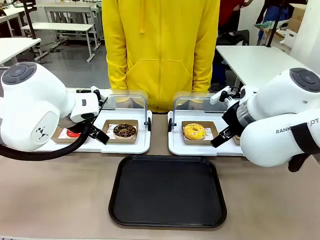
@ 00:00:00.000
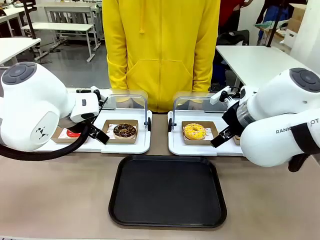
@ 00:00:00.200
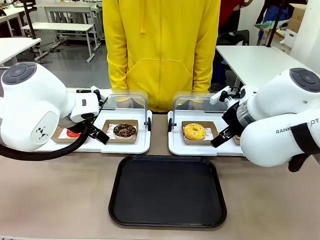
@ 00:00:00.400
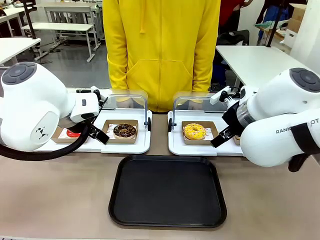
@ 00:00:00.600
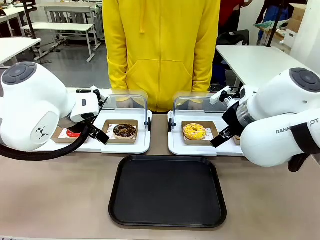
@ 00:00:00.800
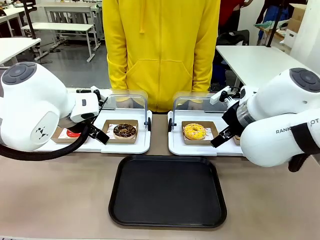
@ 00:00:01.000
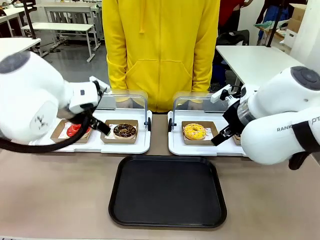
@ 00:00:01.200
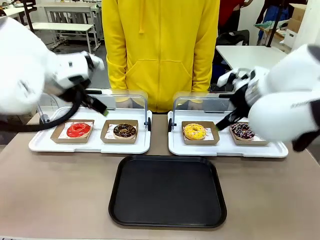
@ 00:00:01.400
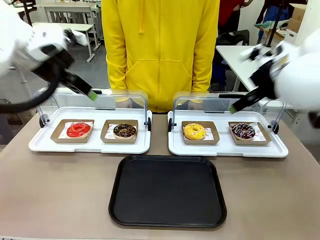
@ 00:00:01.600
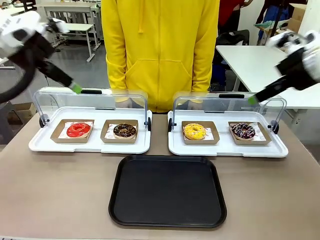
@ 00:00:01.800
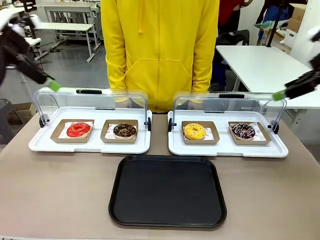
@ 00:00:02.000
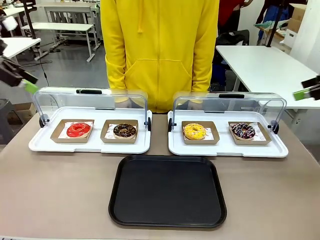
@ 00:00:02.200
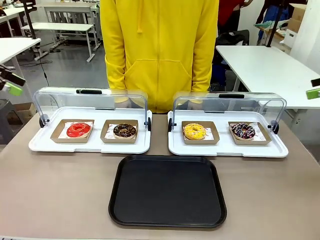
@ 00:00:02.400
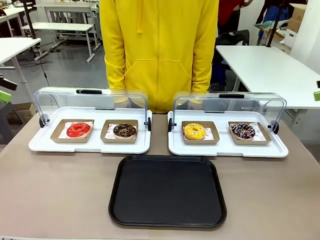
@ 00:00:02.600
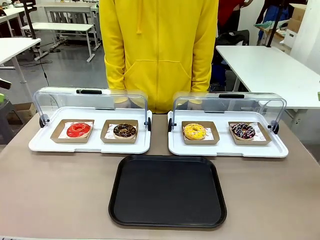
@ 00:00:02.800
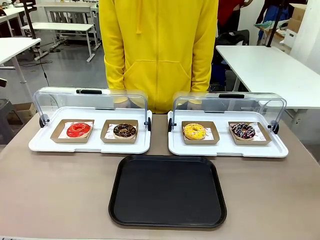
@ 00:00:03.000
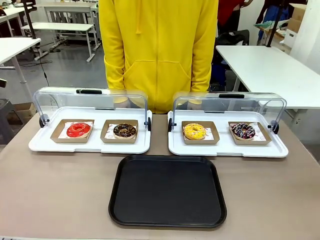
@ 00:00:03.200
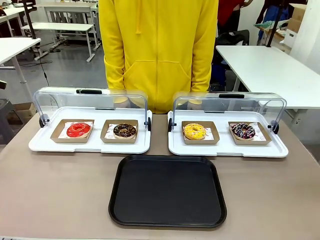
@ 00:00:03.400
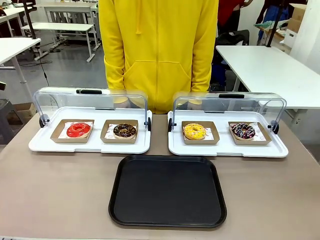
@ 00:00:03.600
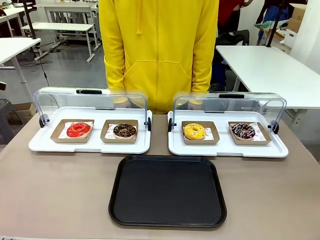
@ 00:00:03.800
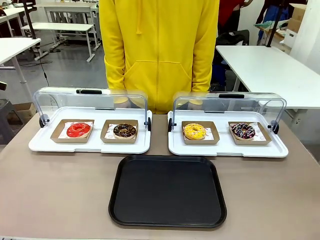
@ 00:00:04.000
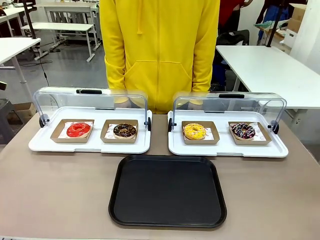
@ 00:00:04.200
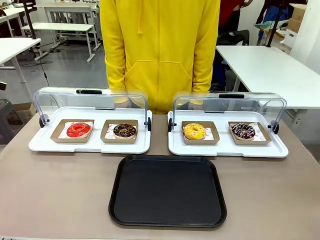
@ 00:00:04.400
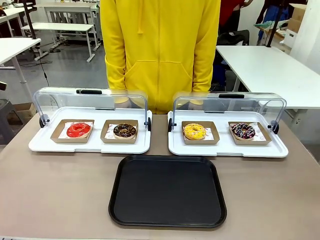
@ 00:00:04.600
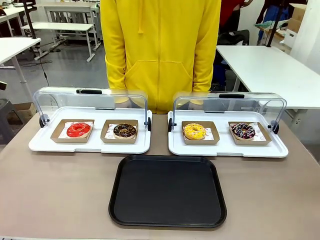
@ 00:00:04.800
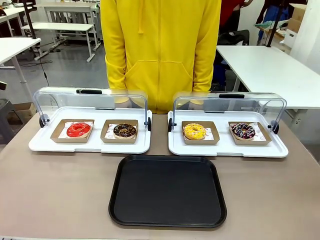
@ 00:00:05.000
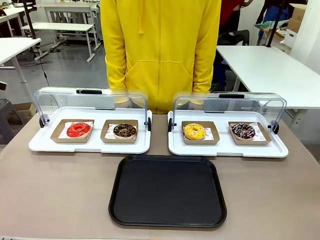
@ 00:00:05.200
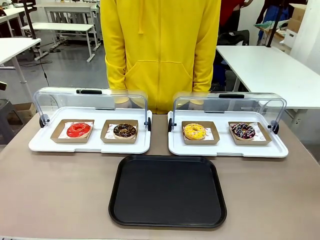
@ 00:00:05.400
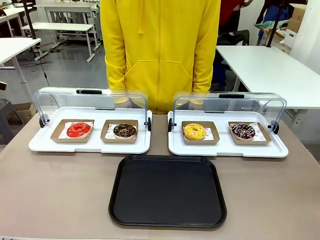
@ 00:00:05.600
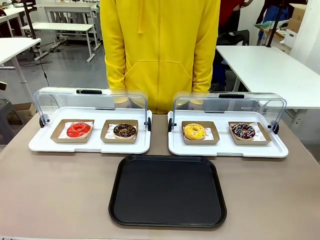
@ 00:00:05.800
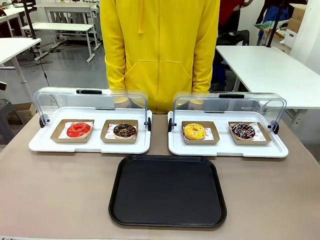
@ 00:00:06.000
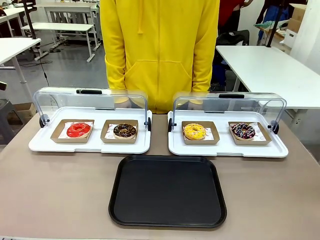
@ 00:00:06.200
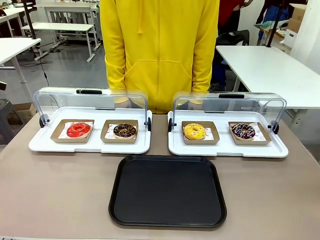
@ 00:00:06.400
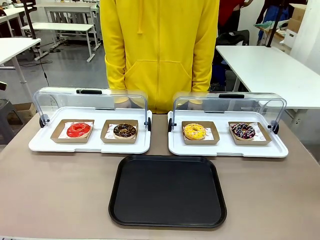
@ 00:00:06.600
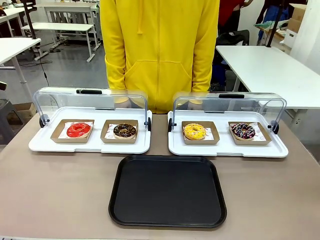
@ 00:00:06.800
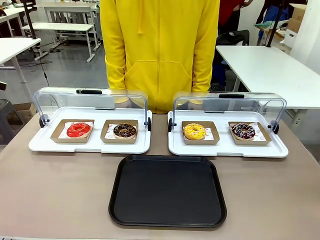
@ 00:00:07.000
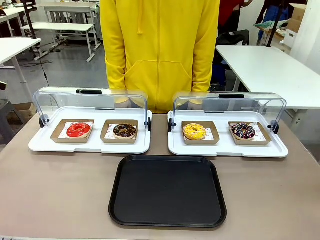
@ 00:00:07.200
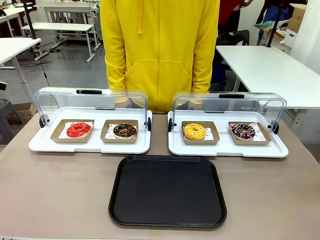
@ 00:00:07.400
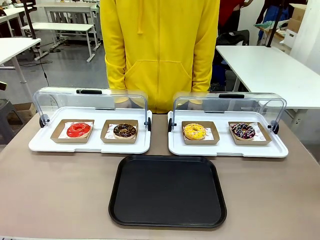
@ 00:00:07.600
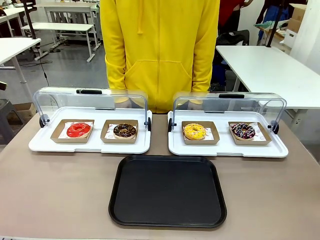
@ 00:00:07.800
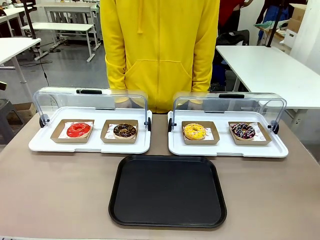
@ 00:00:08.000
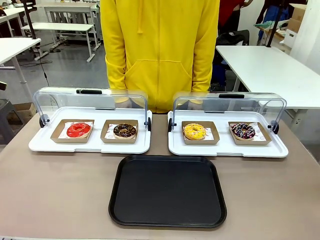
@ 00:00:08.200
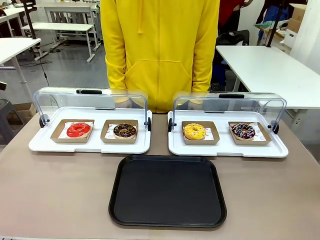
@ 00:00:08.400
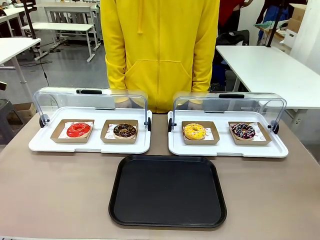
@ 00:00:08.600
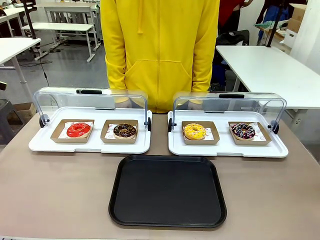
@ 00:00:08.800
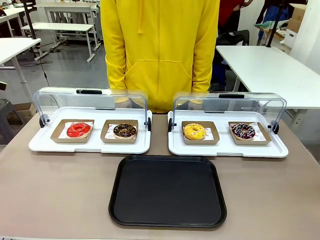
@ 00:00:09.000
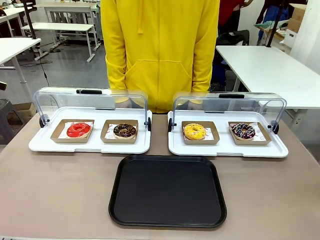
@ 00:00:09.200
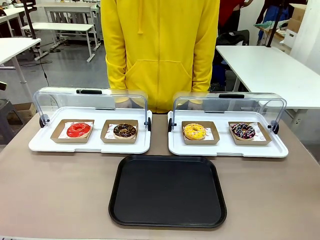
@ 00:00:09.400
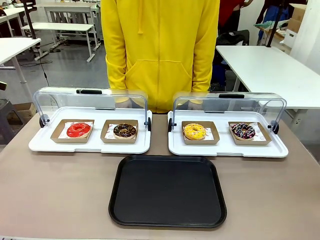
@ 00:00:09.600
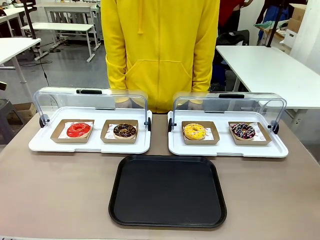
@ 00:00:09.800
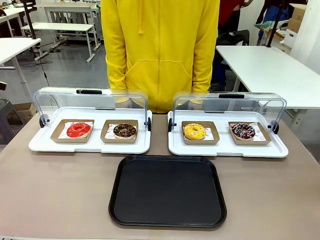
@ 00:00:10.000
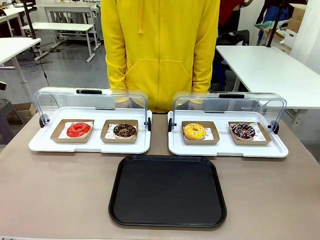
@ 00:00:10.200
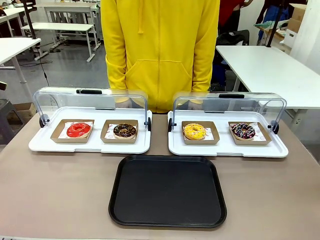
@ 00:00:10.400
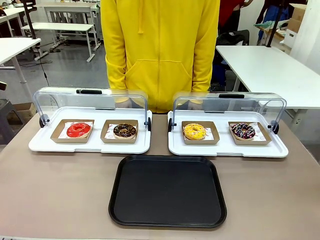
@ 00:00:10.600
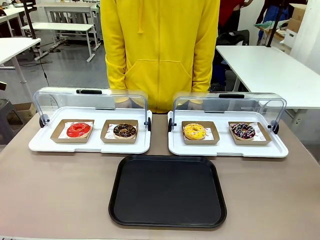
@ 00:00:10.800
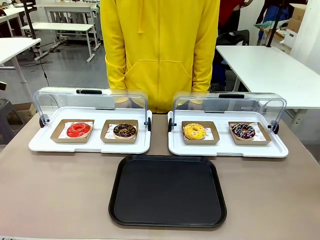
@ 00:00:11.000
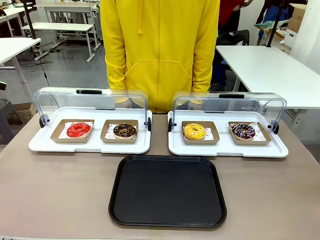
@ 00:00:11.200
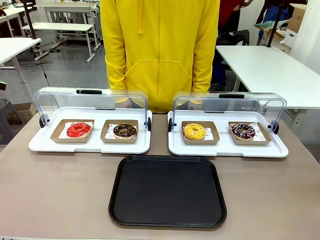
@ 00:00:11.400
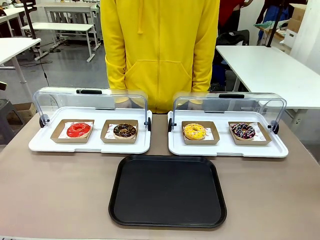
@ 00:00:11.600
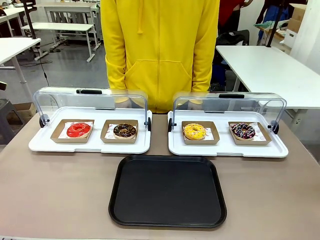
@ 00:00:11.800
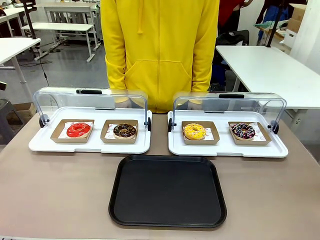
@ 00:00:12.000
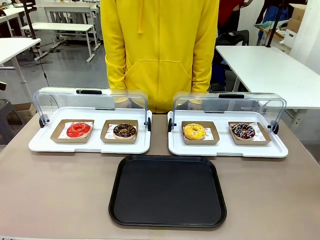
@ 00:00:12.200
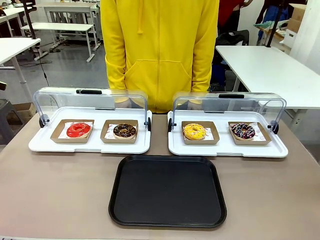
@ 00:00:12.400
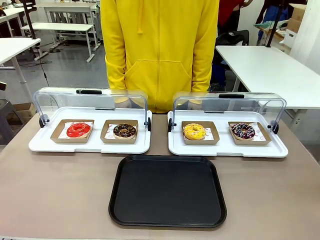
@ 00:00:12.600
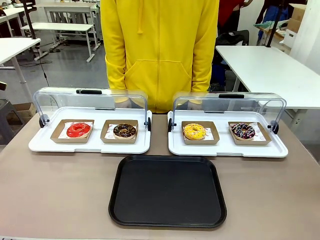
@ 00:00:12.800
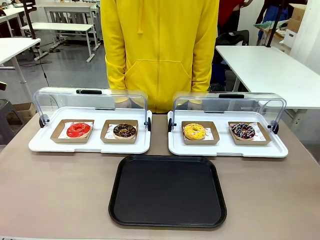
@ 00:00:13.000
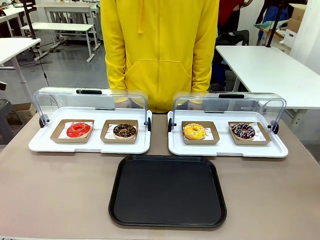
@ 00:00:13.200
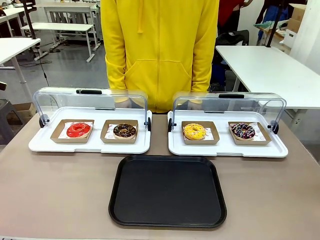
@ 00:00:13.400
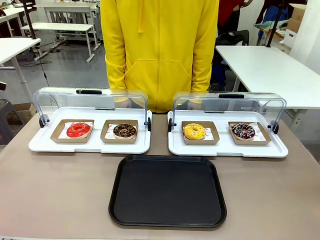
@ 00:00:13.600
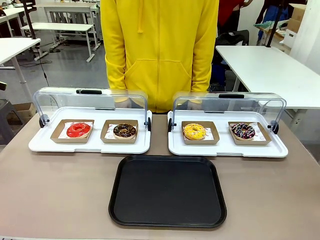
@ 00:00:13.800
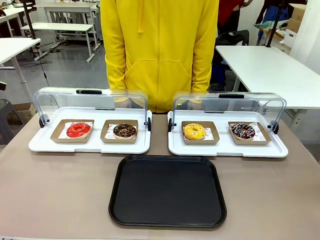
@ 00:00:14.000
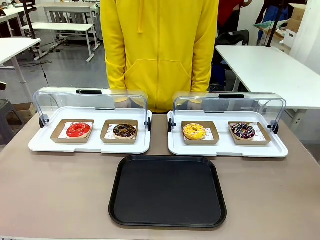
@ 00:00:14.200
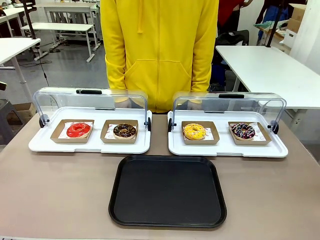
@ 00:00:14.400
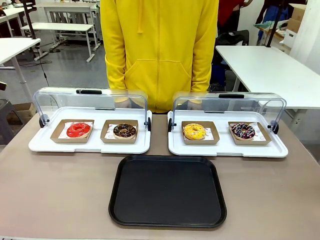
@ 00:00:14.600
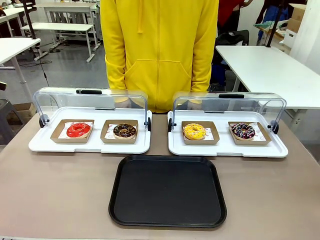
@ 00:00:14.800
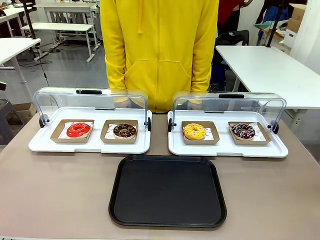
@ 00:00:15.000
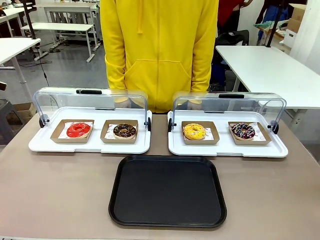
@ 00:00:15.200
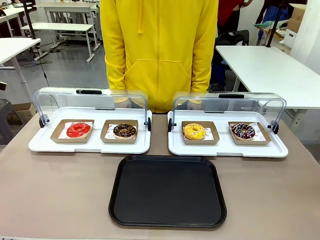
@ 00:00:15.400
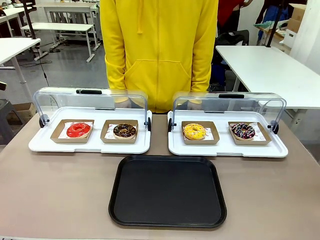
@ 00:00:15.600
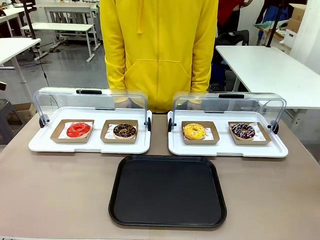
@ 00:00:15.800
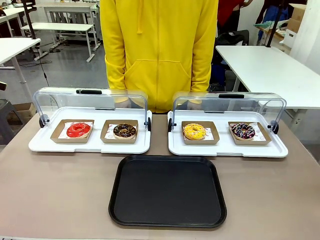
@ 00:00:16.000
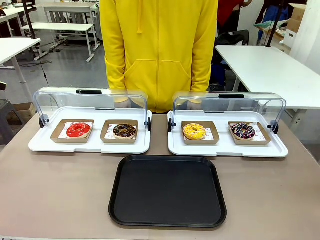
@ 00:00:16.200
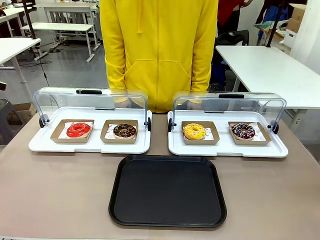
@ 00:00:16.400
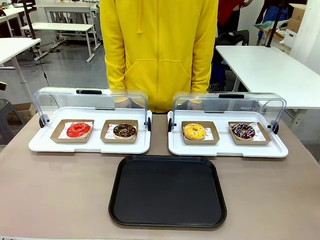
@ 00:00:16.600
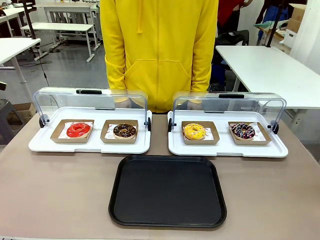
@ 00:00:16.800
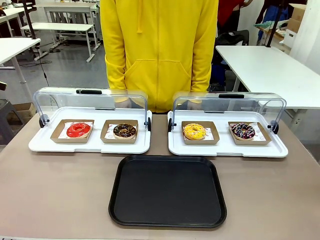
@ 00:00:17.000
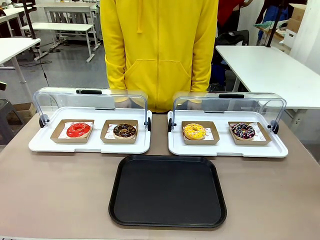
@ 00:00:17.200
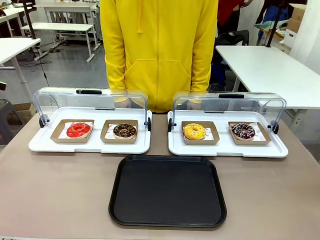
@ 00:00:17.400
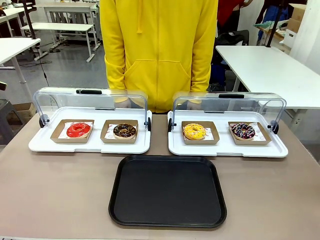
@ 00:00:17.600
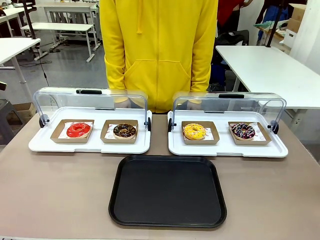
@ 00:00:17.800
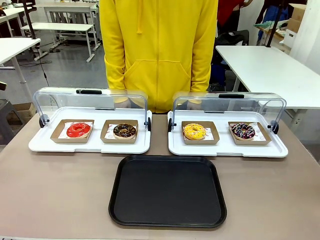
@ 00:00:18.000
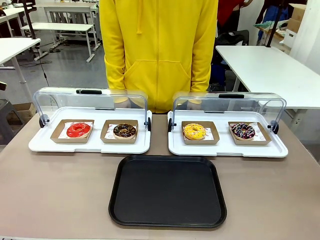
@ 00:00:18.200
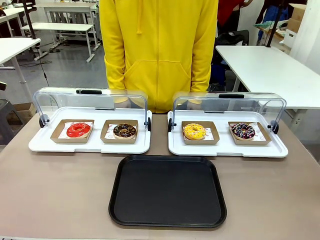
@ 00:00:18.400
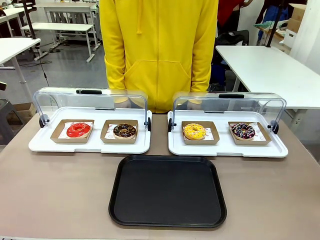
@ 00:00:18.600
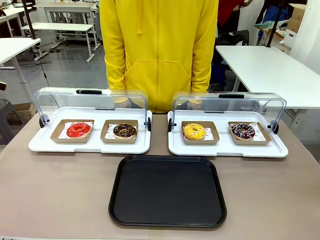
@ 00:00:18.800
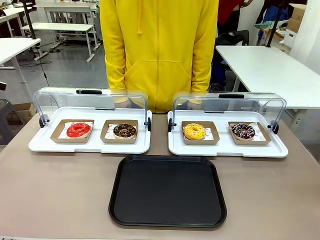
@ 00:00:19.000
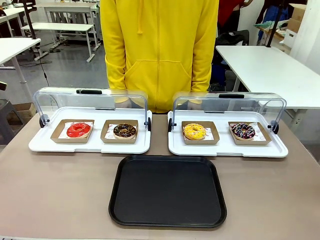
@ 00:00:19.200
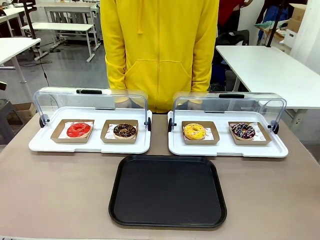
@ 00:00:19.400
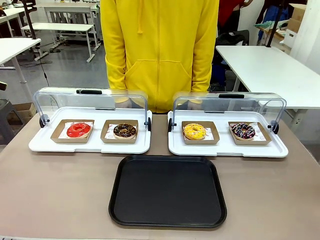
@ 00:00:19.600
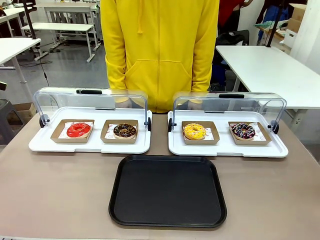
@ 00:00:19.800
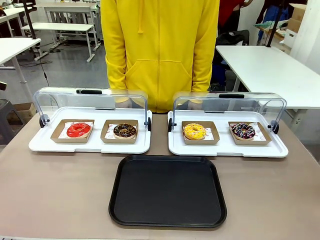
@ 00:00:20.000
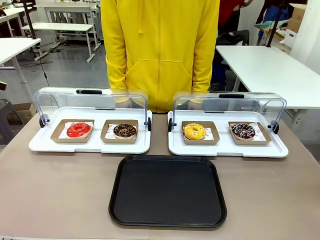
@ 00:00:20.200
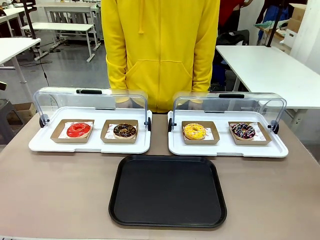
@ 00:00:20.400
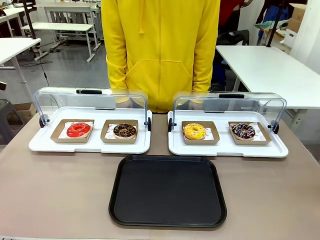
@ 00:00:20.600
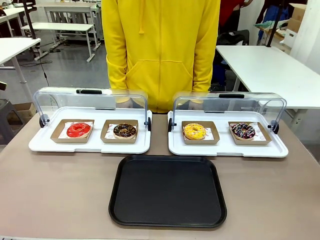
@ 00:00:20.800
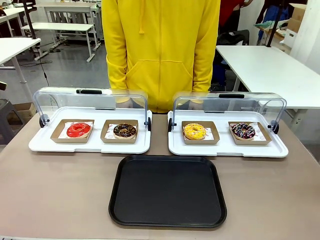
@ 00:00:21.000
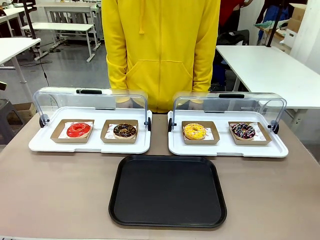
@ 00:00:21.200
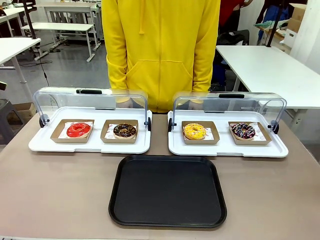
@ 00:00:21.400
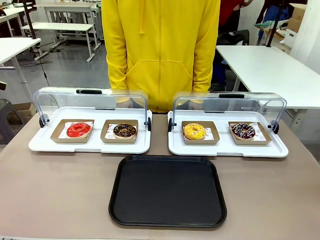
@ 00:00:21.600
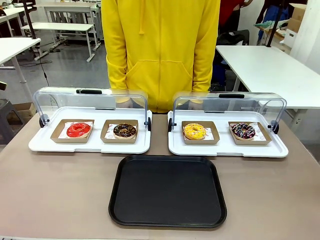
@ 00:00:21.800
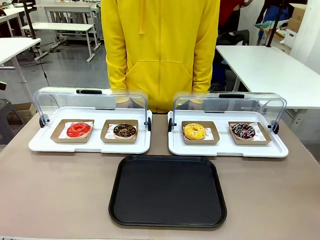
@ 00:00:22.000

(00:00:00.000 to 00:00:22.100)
Task: Move the first donut from the left to the tray.
Robot: Pick up the Paper togo box containing the Donut indicated by the person and place it on the Handle tray.
